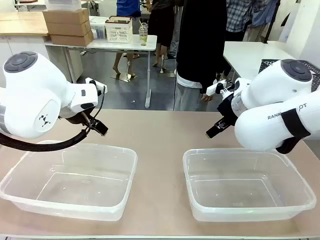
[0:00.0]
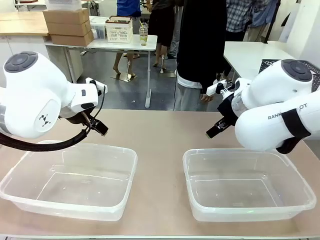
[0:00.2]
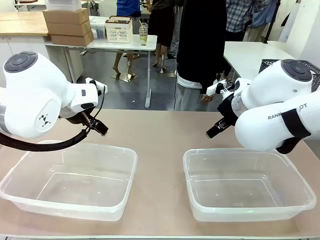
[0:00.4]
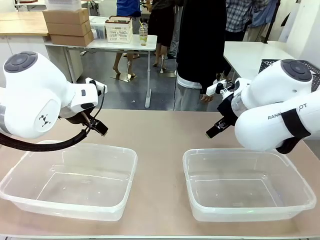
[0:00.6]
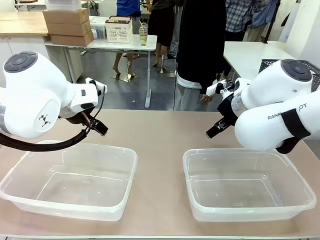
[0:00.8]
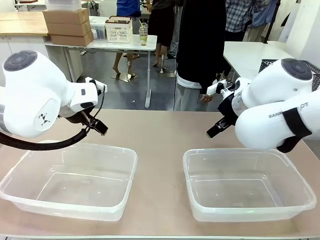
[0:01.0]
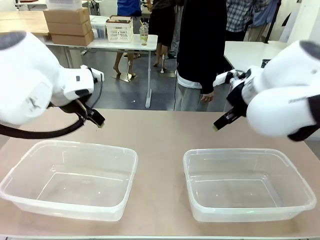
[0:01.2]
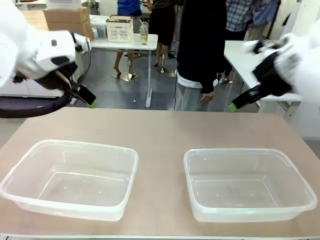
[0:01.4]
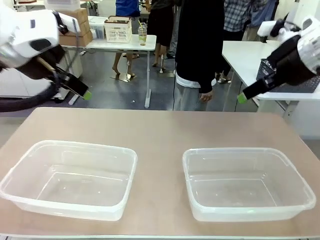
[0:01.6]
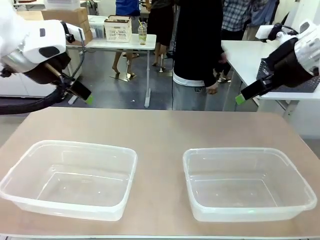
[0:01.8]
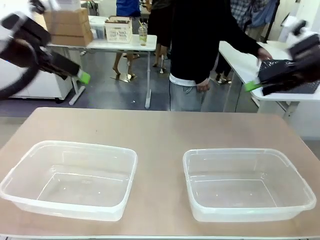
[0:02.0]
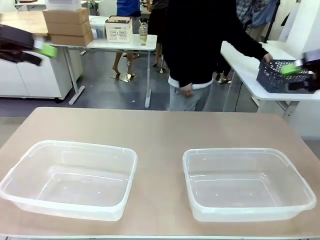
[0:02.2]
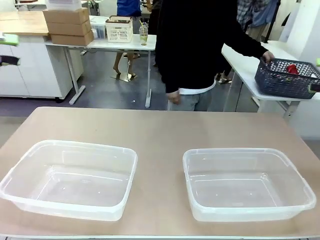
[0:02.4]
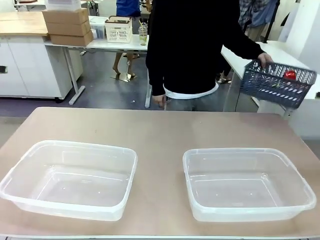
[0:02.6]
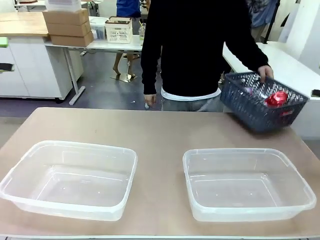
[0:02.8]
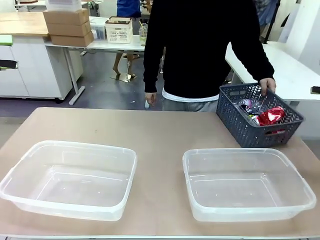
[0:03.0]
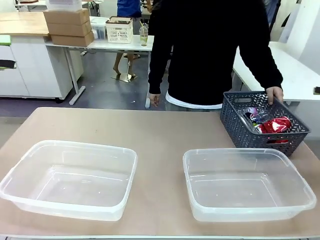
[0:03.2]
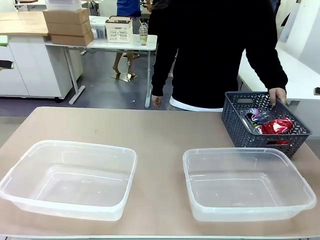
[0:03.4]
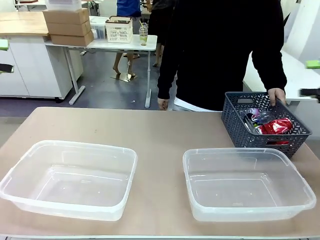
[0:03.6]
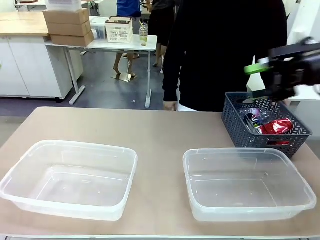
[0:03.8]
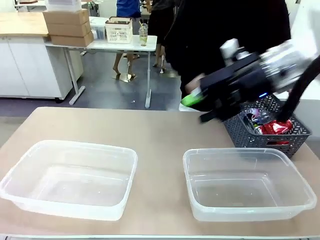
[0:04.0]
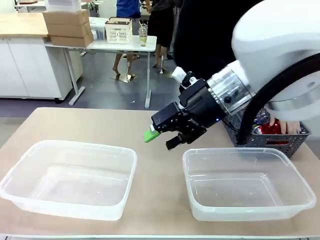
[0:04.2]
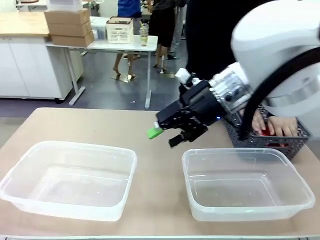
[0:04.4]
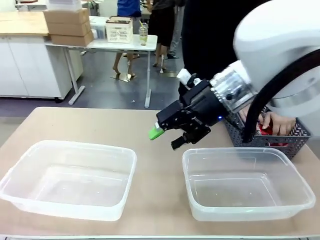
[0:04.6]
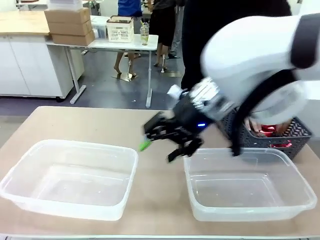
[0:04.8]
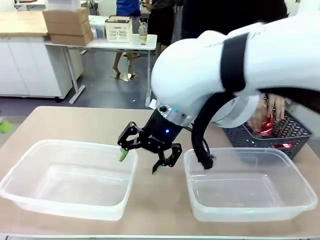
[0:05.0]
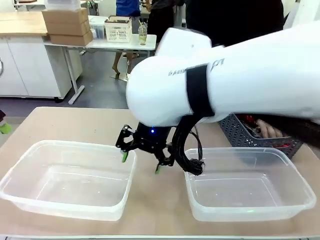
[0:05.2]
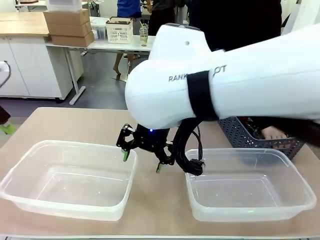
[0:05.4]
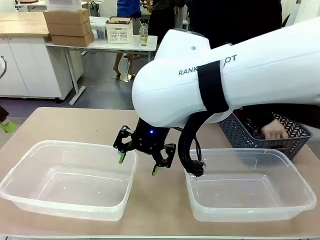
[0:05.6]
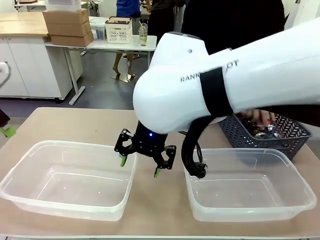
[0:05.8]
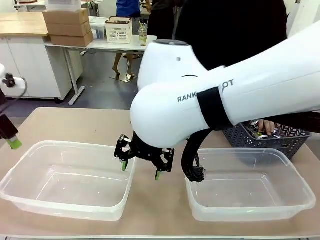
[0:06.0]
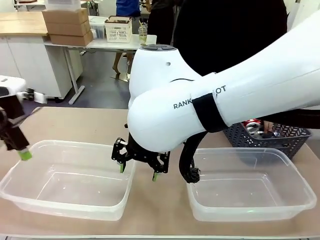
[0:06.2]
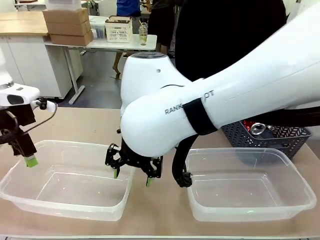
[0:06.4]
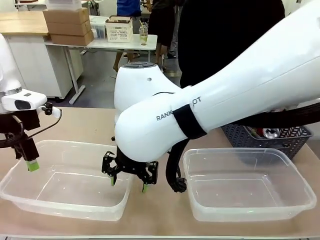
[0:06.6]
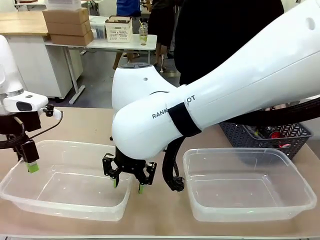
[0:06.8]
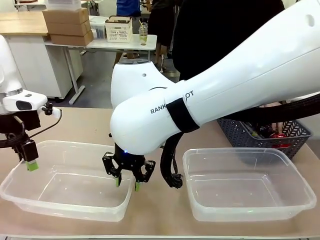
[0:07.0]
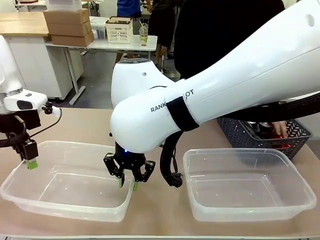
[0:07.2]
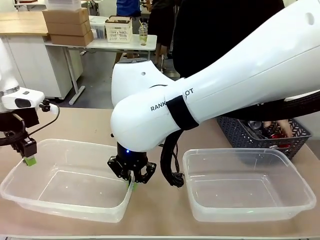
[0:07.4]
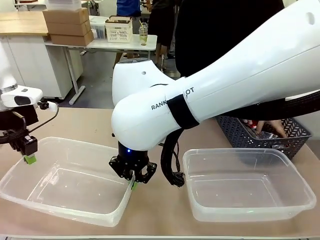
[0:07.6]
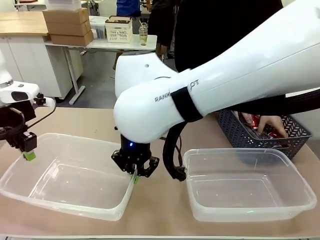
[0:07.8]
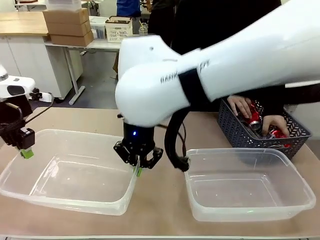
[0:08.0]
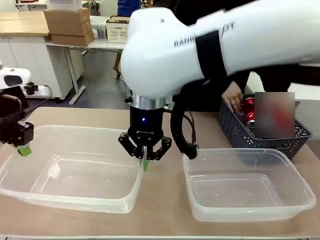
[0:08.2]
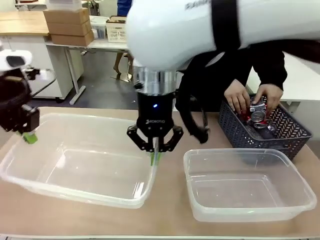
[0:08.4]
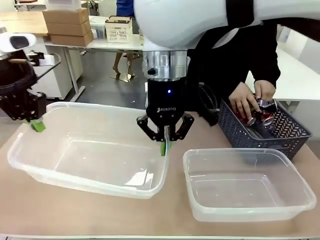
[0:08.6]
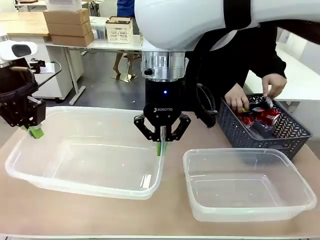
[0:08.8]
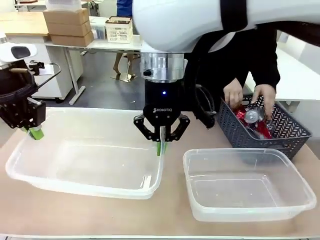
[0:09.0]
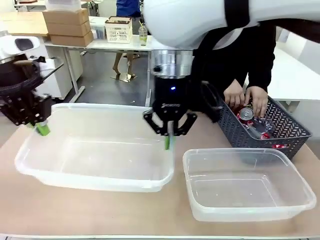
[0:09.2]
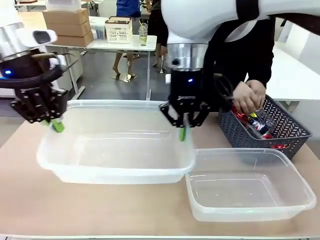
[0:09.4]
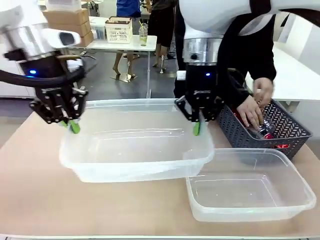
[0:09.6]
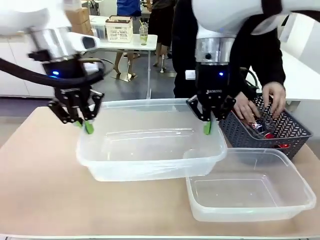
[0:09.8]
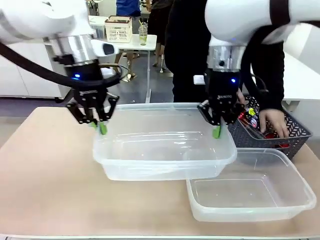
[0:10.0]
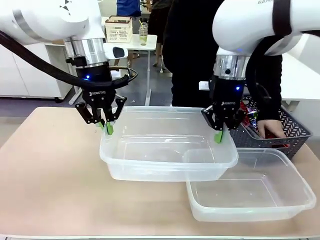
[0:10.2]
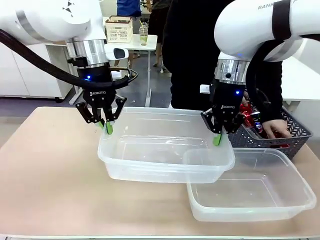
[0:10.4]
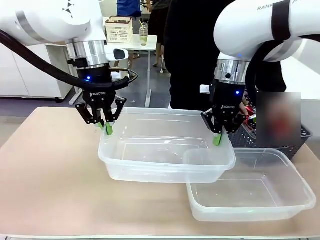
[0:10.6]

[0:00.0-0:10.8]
Robot: Pick up the Organizing box on the left side of the table and lift it.
Person: Pick up the storage basket and place it on the left side of the robot table. Pick up can-shaped waste one by one and place it into the organizing box lifted by the robot.

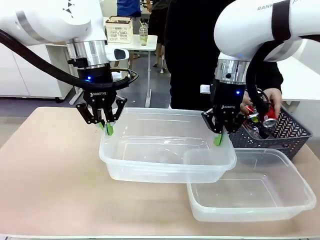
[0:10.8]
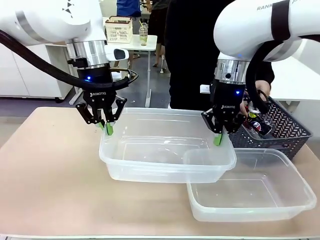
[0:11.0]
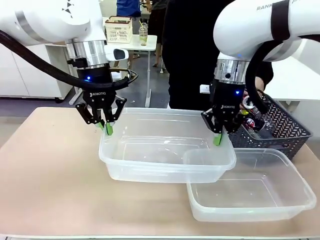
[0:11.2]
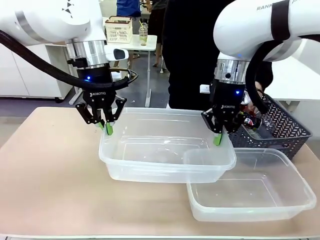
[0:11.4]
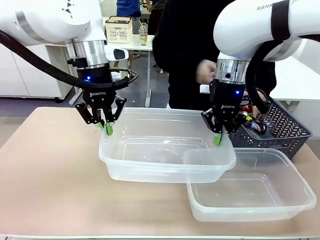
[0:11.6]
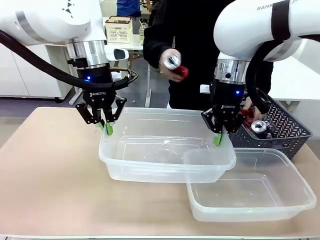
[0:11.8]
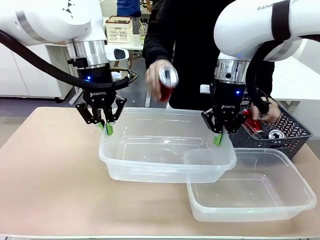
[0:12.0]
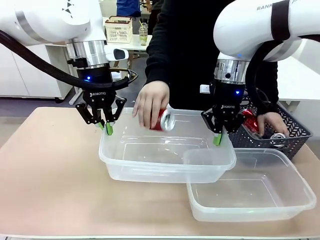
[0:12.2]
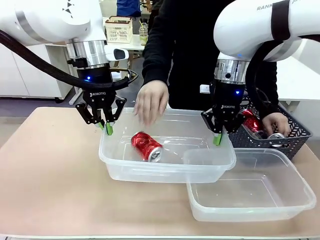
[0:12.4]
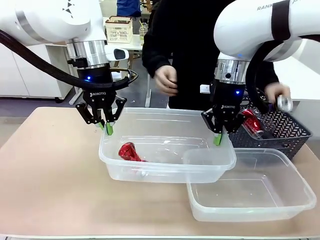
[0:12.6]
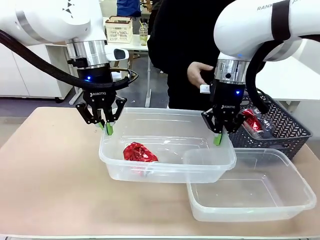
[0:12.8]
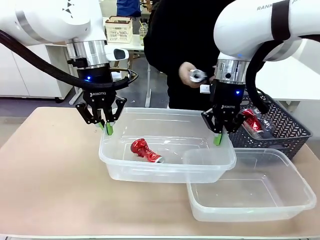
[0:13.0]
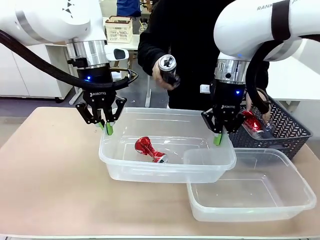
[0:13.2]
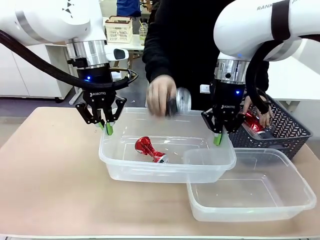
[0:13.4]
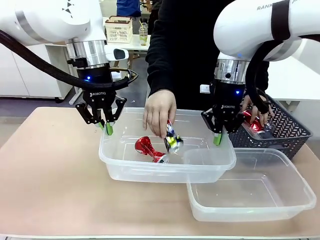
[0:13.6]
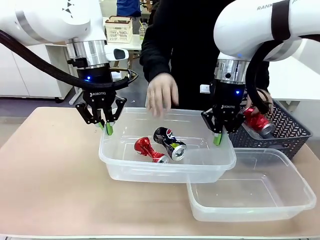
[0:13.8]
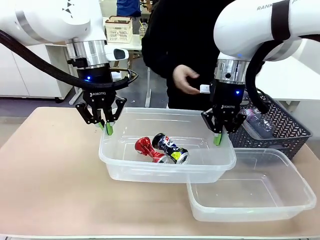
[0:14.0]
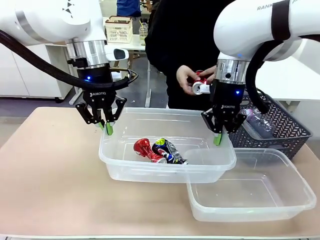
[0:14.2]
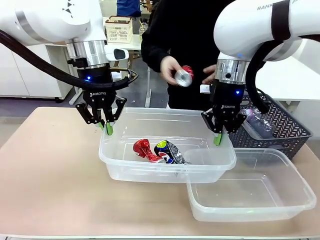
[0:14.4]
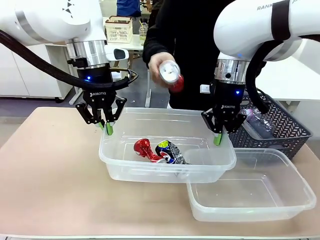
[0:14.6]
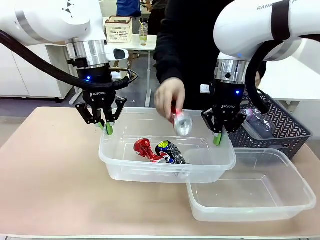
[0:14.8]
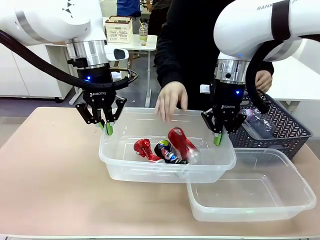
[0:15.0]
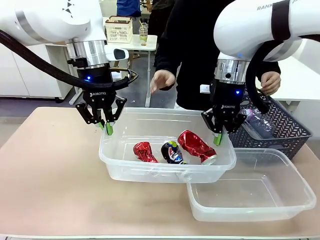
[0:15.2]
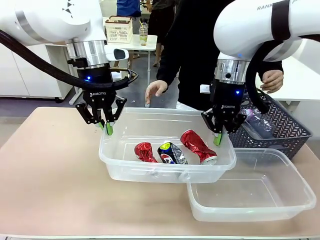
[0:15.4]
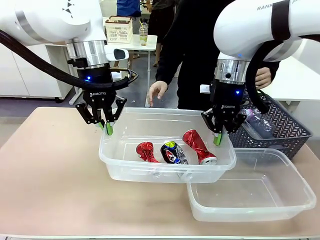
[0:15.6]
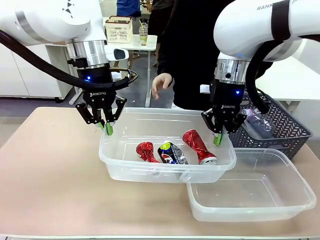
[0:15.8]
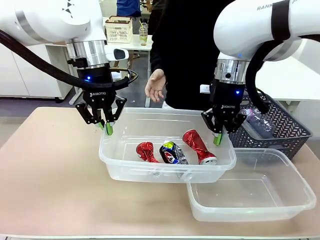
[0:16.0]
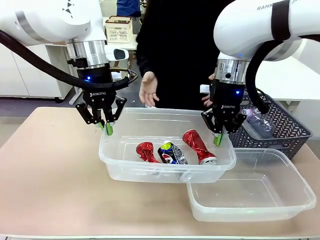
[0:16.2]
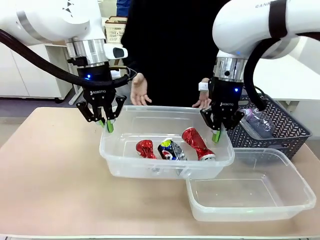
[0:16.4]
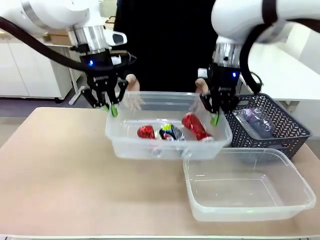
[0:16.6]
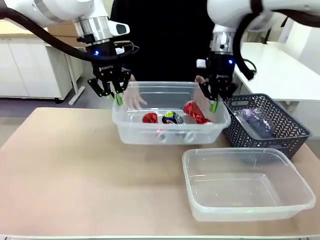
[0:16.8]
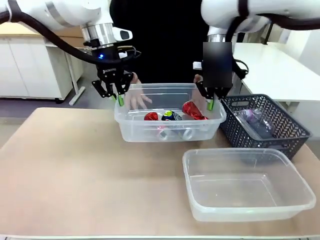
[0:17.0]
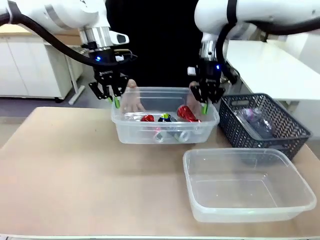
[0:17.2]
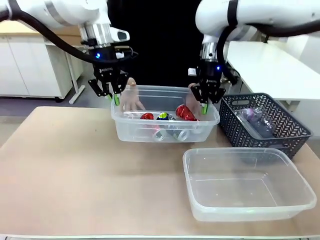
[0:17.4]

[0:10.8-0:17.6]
Robot: Offer the picked Organizing box to the human.

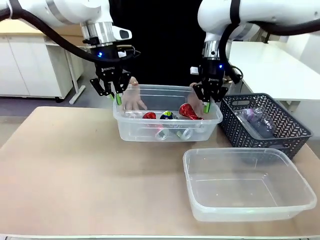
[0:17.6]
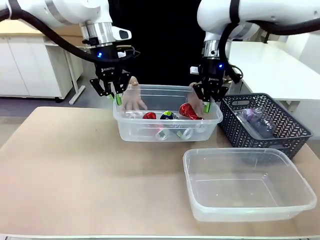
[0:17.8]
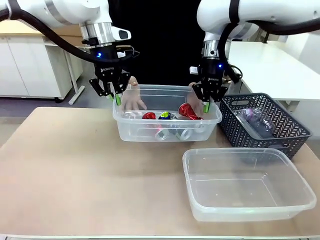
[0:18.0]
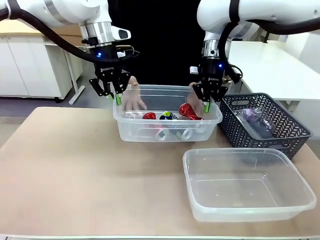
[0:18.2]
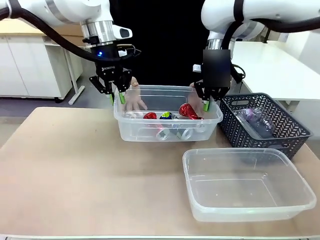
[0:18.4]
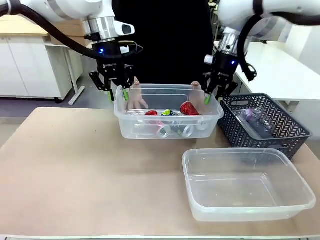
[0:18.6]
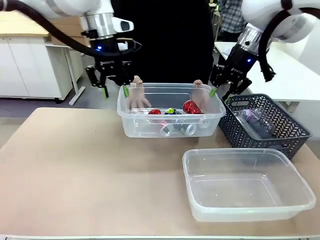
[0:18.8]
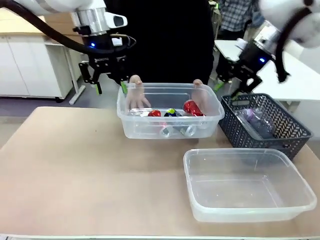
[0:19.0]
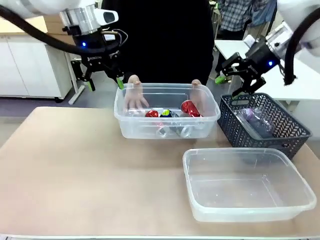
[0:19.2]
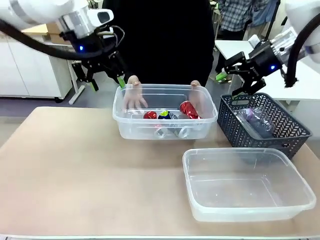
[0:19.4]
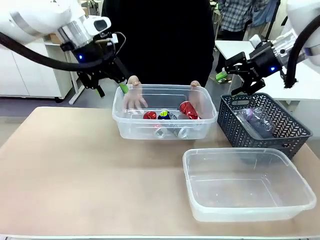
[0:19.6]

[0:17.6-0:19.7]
Robot: Release the Organizing box you were holding.
